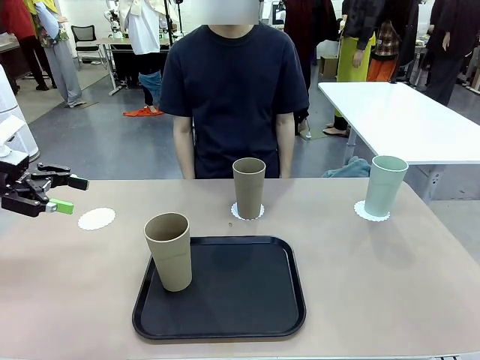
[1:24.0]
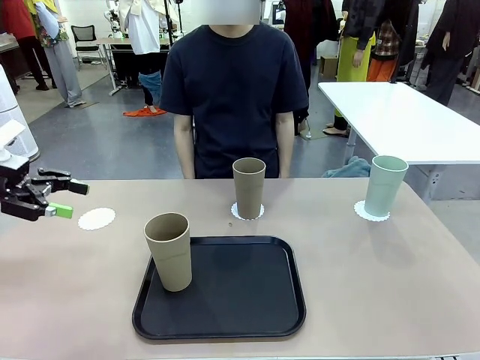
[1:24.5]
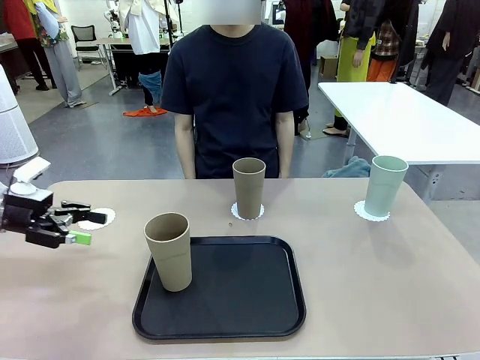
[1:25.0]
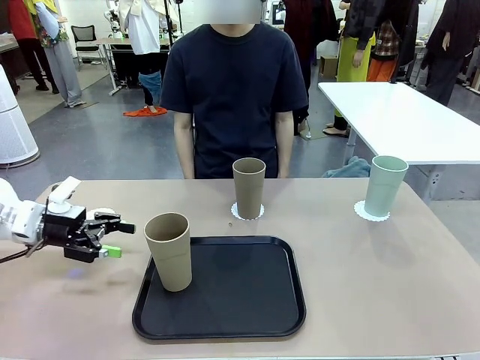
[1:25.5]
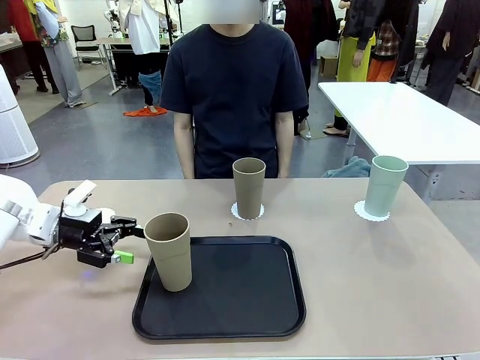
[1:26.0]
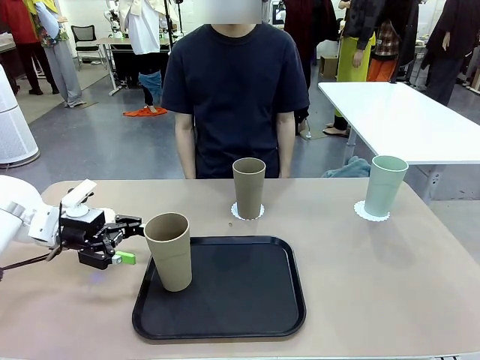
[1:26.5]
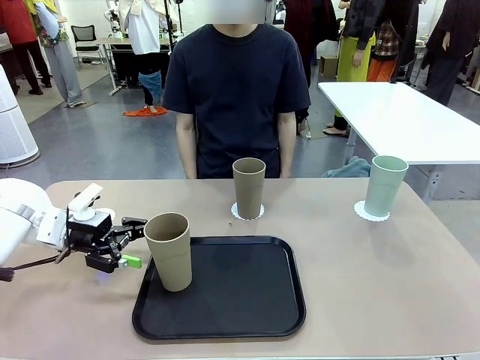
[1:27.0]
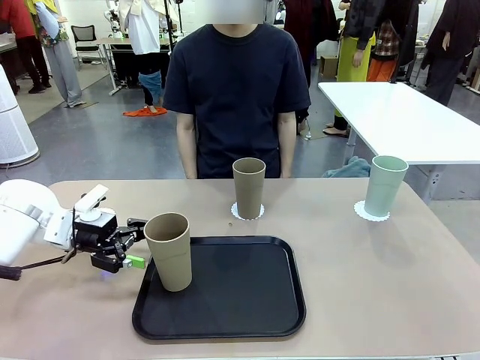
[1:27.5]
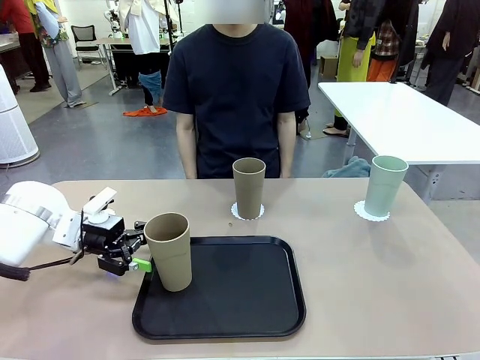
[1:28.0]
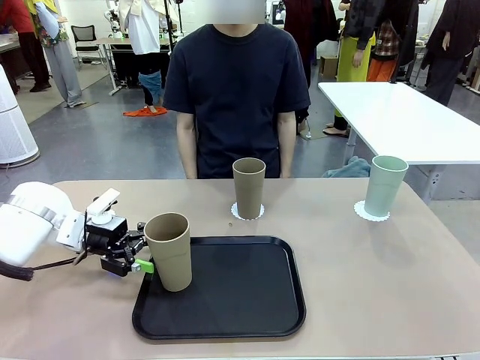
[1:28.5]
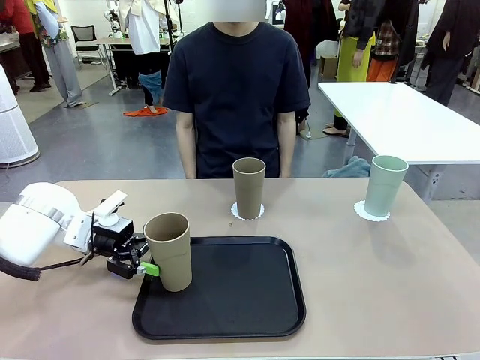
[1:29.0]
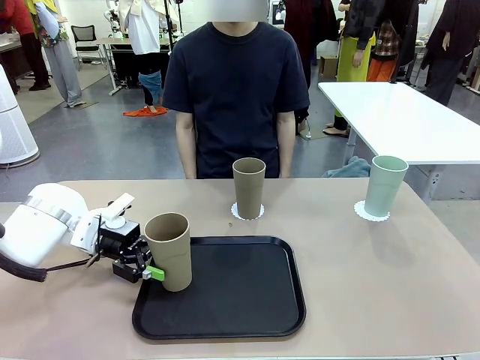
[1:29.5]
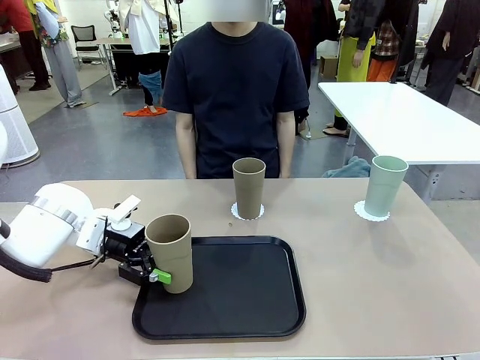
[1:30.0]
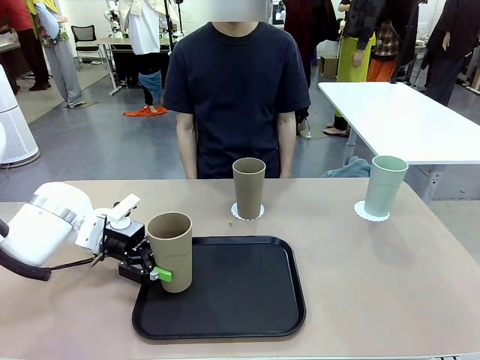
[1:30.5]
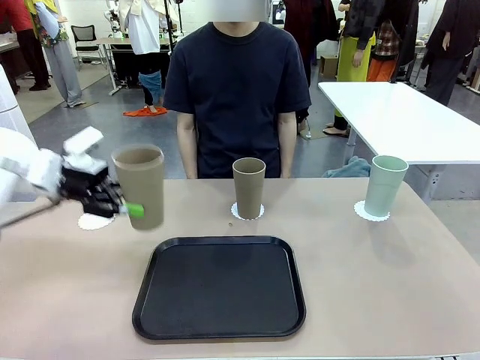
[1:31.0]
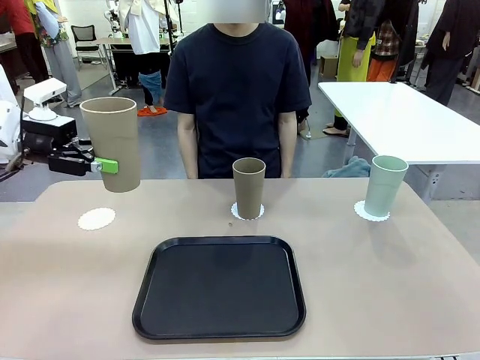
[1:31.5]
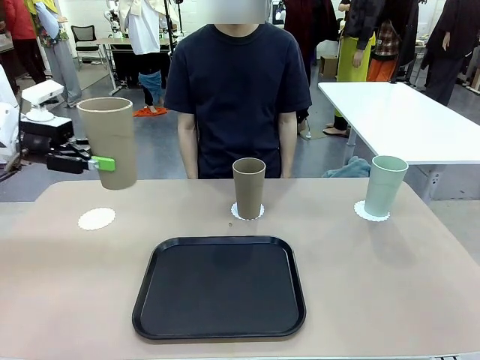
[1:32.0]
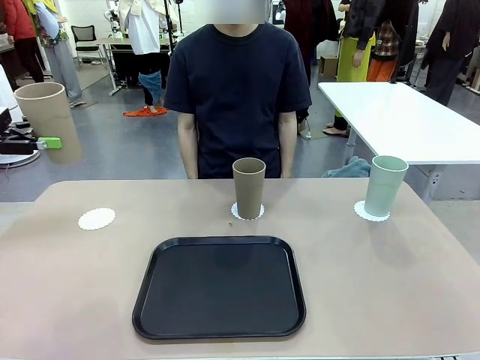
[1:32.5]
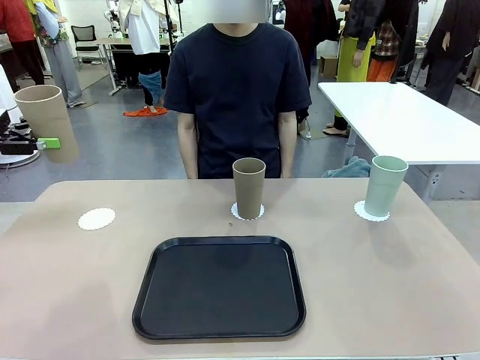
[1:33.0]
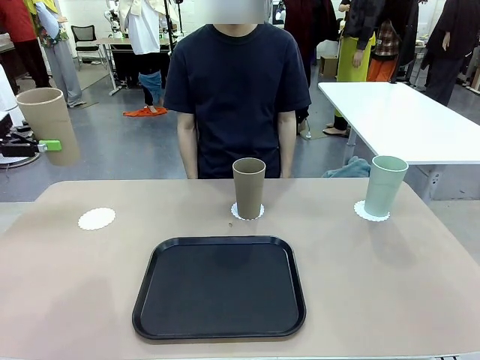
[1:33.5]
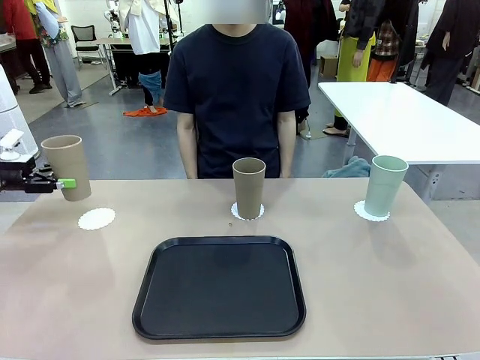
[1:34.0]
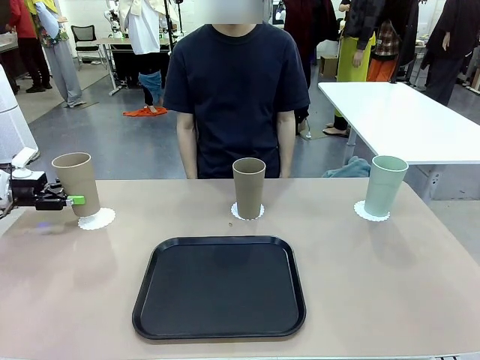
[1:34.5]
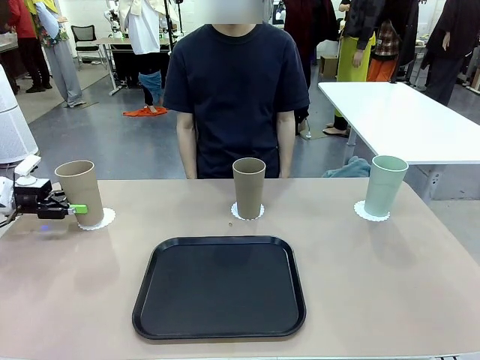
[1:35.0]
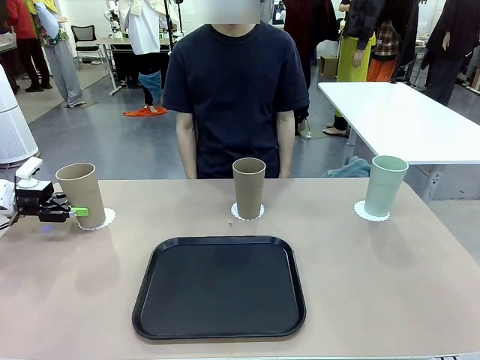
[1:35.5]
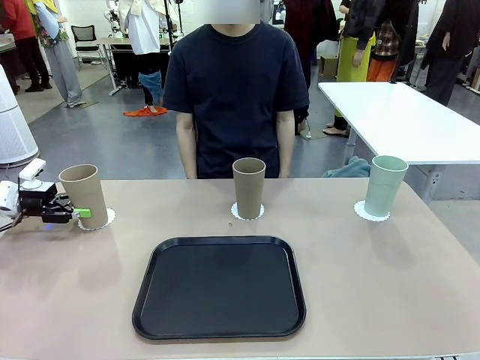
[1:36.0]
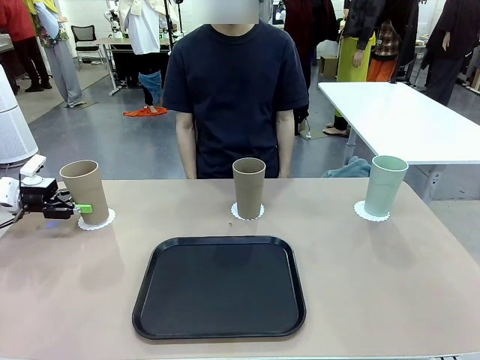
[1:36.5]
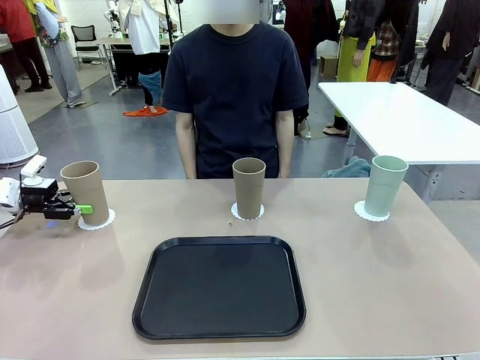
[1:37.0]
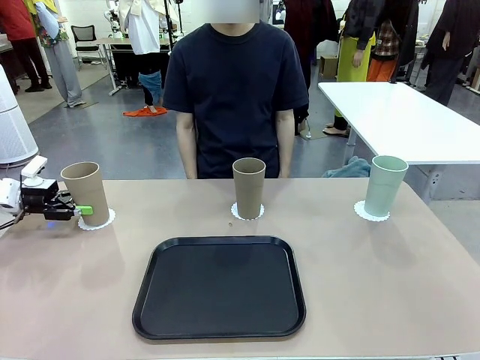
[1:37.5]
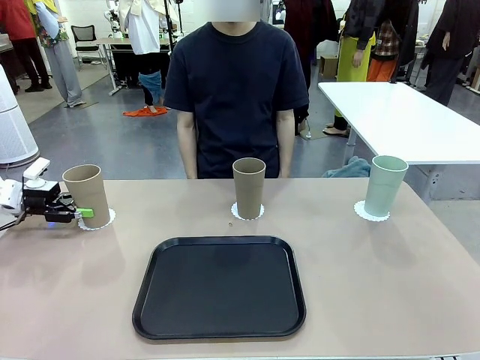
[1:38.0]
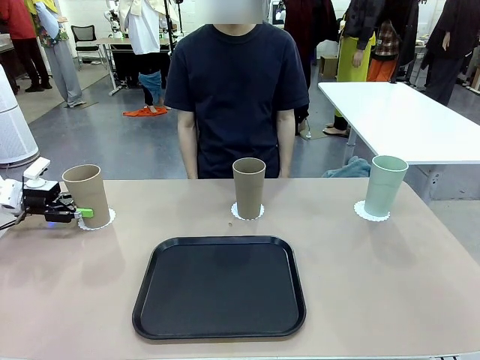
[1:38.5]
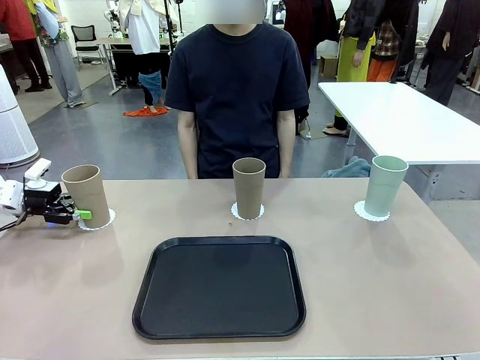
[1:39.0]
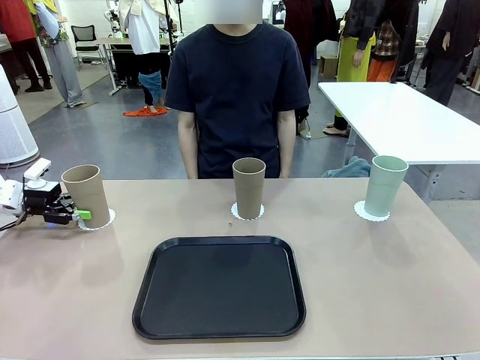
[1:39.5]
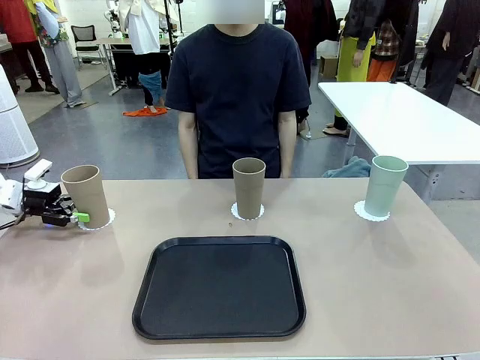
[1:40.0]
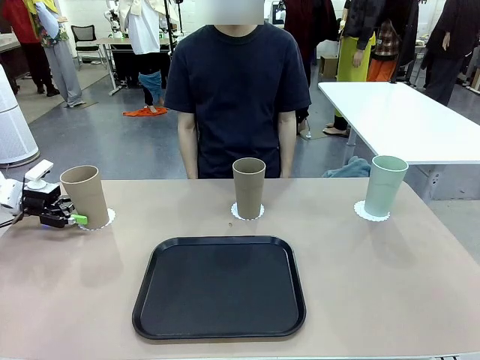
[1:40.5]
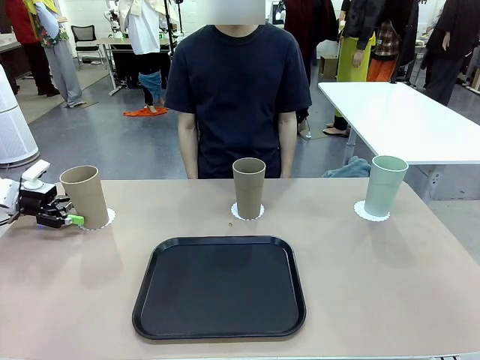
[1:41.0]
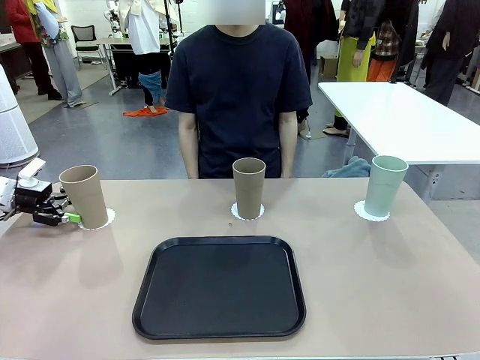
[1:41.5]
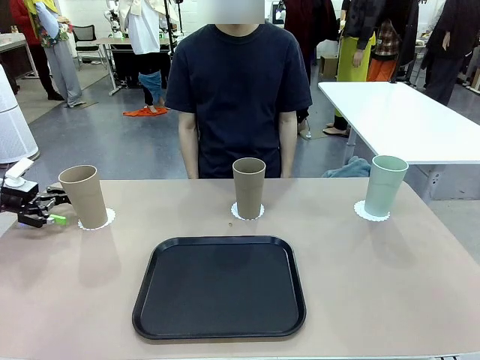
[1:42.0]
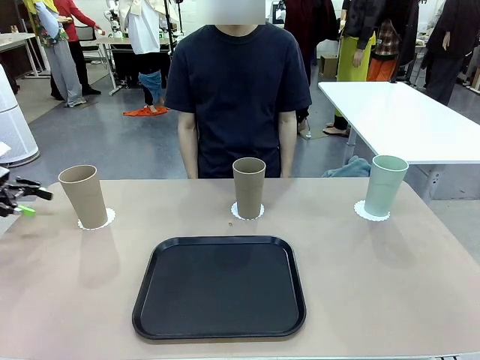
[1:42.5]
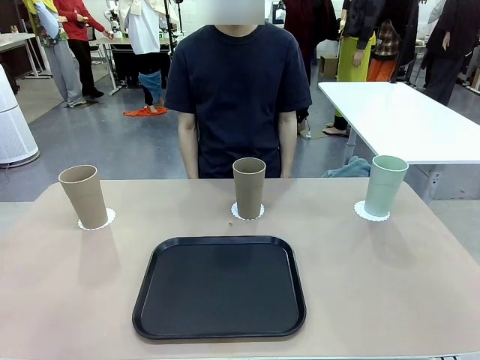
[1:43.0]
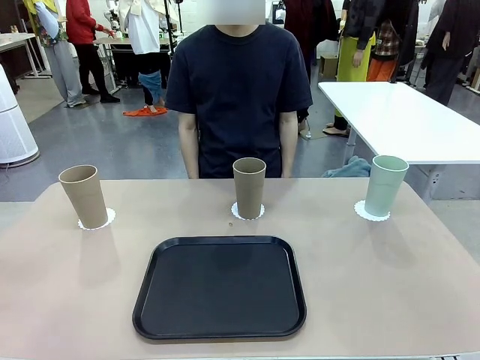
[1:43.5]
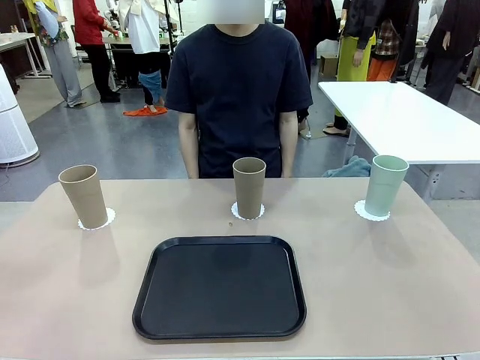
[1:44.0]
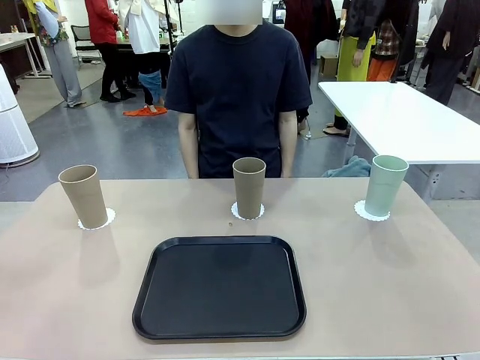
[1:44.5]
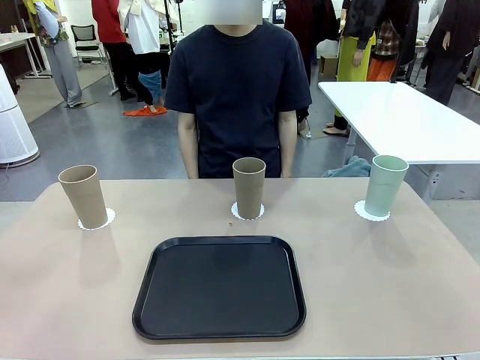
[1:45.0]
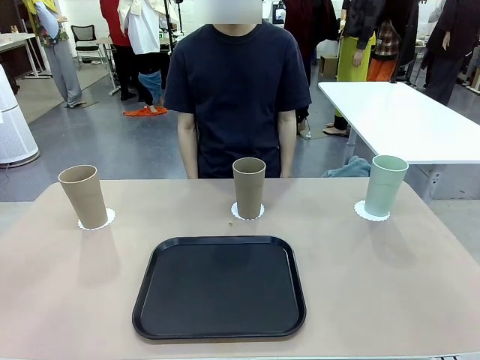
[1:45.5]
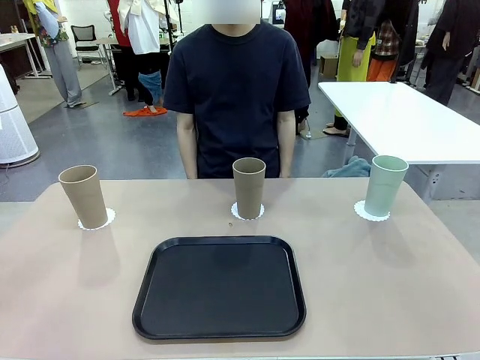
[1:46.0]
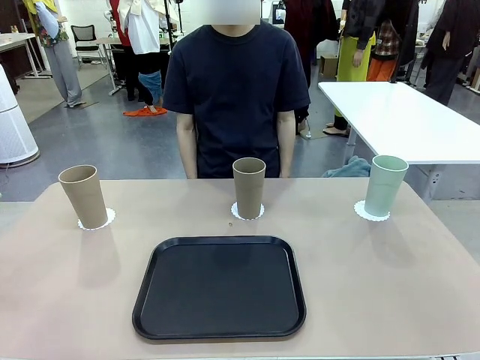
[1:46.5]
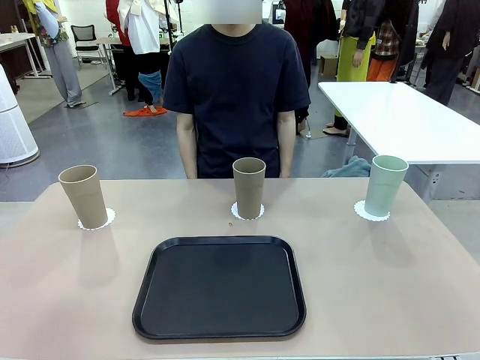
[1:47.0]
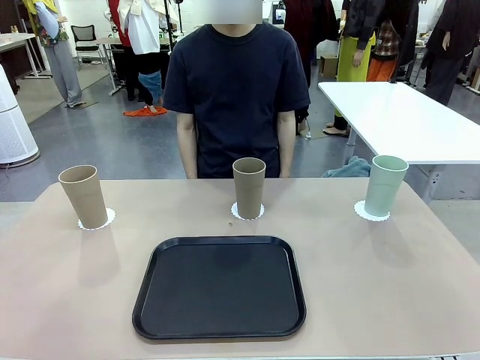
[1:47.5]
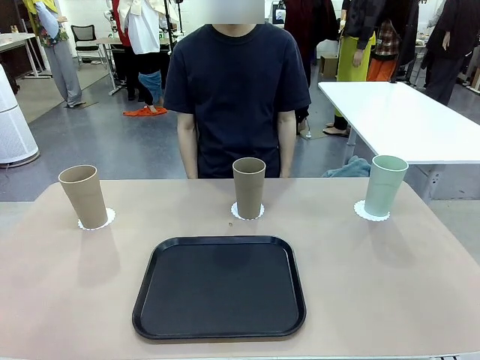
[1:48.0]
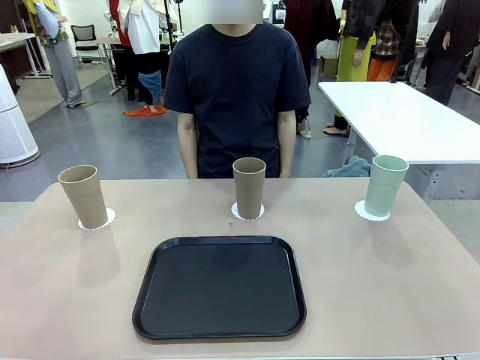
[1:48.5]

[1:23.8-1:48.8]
Task: Place coasters on the table and set cups on them.
Robot: Take one Reusable plastic cup from the Flat Tray and place it on a coaster set by the human.
